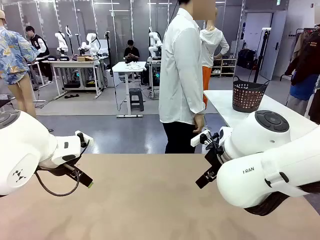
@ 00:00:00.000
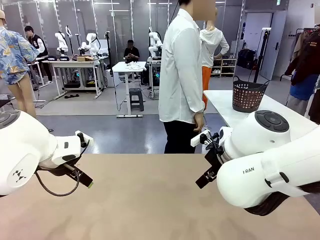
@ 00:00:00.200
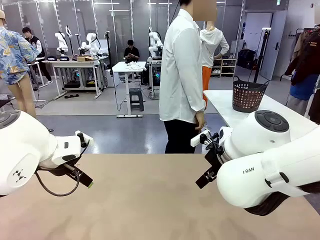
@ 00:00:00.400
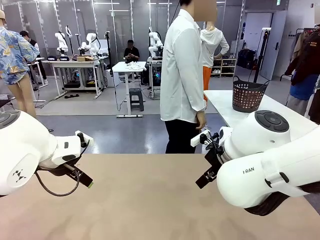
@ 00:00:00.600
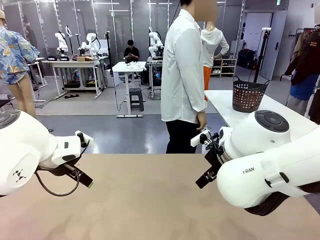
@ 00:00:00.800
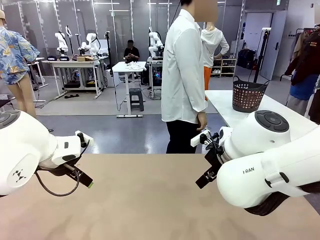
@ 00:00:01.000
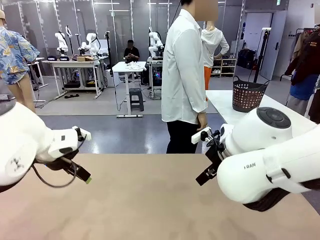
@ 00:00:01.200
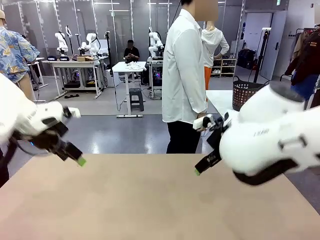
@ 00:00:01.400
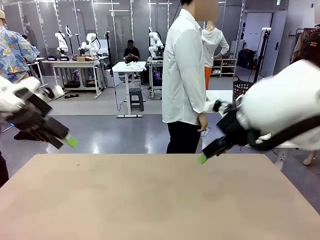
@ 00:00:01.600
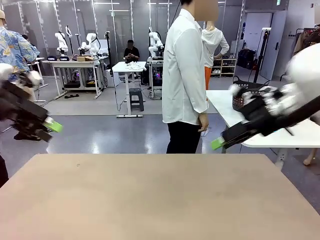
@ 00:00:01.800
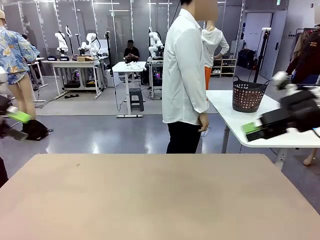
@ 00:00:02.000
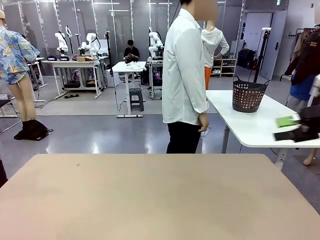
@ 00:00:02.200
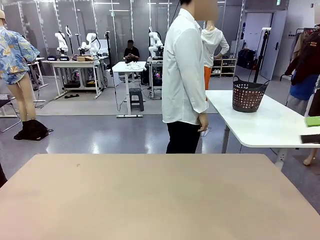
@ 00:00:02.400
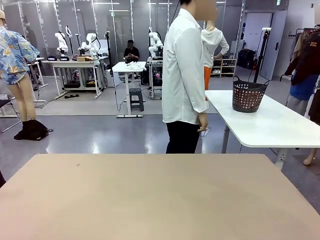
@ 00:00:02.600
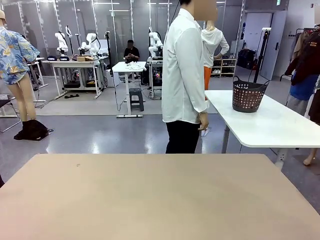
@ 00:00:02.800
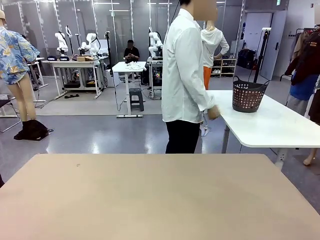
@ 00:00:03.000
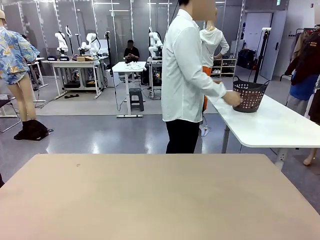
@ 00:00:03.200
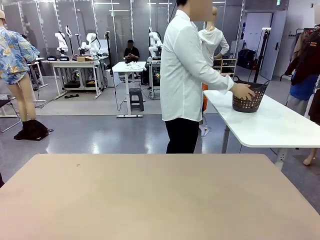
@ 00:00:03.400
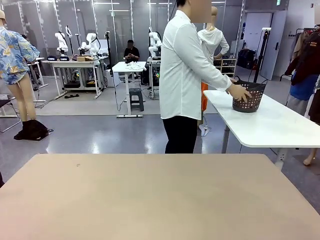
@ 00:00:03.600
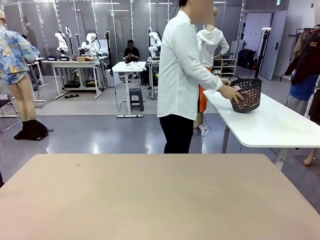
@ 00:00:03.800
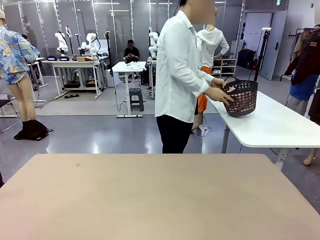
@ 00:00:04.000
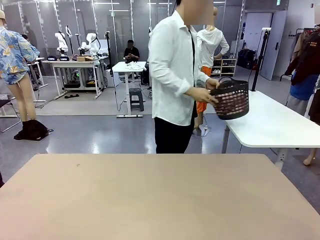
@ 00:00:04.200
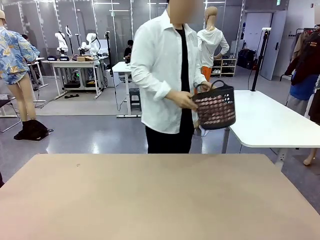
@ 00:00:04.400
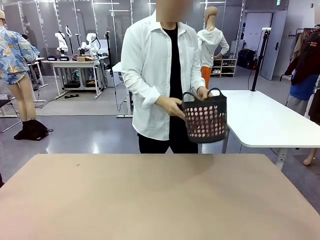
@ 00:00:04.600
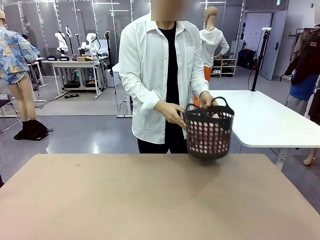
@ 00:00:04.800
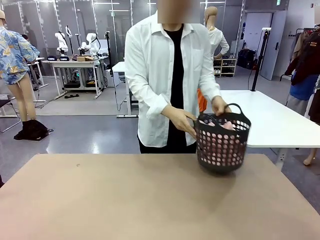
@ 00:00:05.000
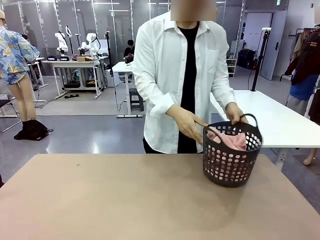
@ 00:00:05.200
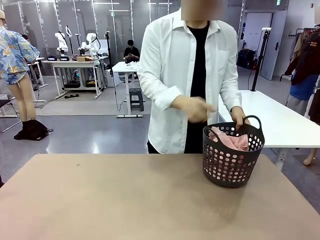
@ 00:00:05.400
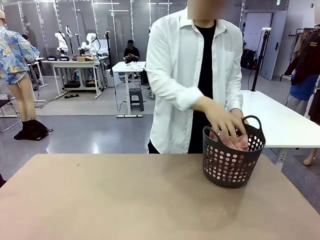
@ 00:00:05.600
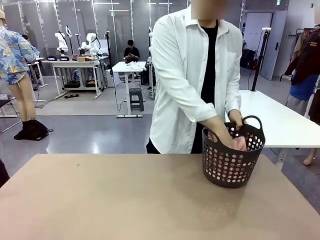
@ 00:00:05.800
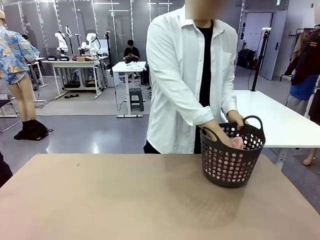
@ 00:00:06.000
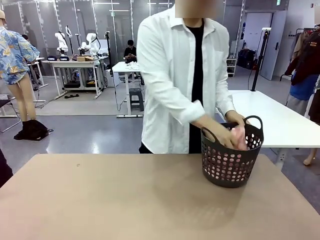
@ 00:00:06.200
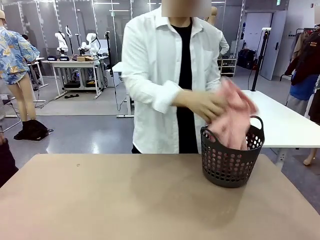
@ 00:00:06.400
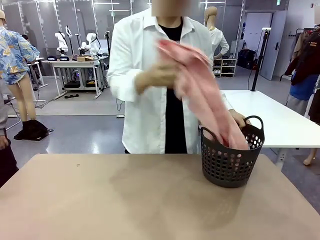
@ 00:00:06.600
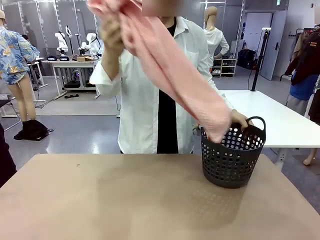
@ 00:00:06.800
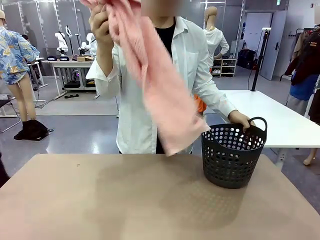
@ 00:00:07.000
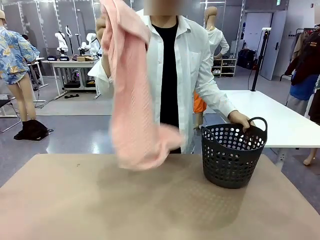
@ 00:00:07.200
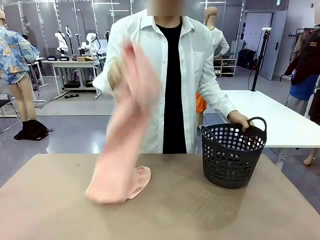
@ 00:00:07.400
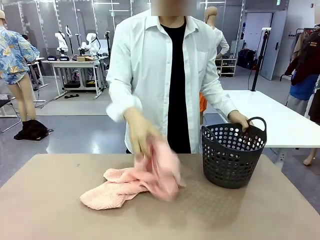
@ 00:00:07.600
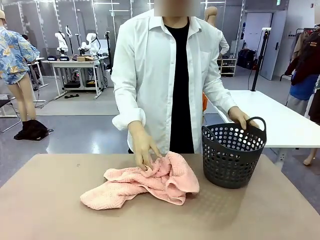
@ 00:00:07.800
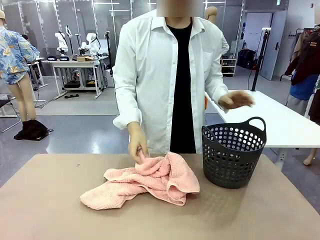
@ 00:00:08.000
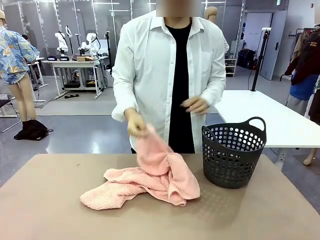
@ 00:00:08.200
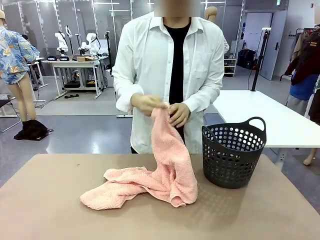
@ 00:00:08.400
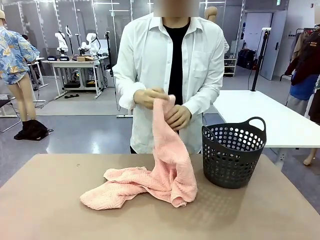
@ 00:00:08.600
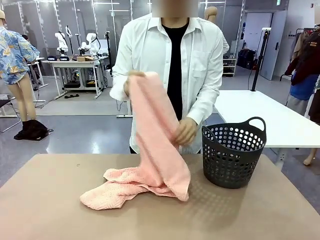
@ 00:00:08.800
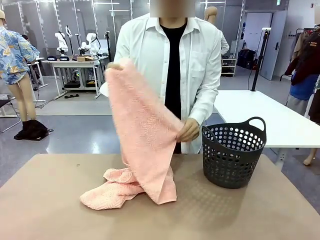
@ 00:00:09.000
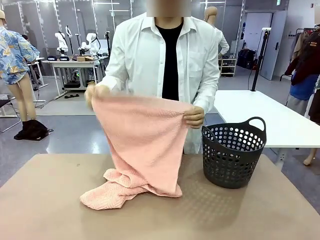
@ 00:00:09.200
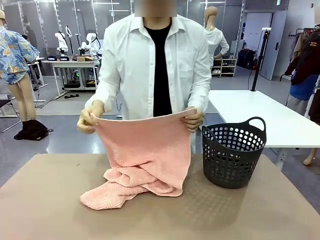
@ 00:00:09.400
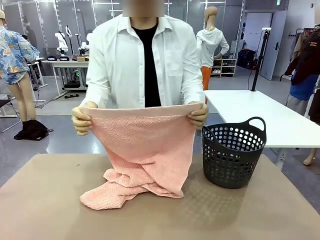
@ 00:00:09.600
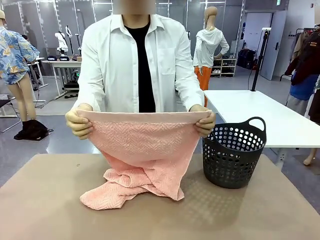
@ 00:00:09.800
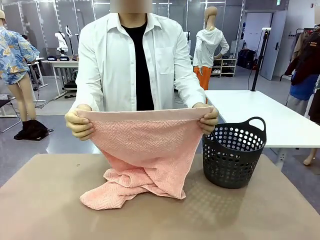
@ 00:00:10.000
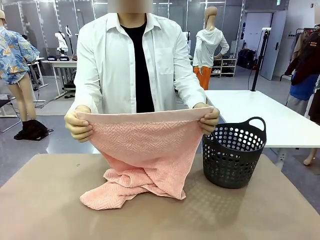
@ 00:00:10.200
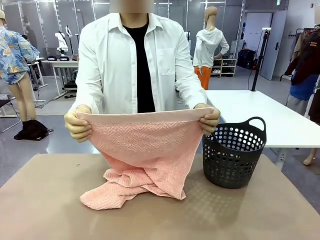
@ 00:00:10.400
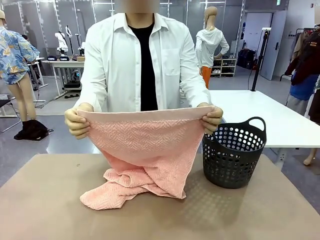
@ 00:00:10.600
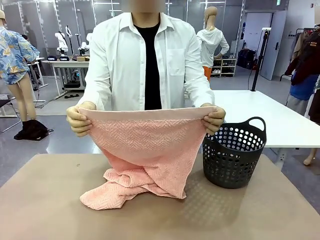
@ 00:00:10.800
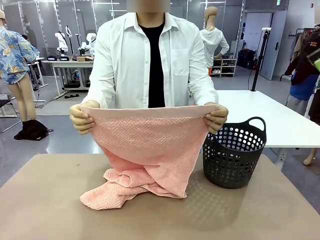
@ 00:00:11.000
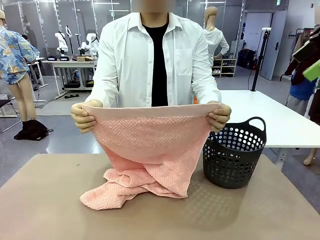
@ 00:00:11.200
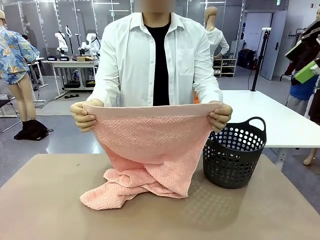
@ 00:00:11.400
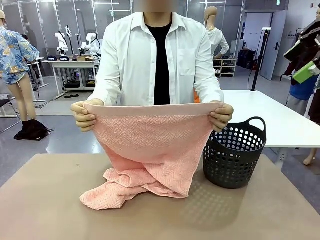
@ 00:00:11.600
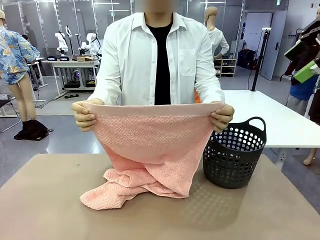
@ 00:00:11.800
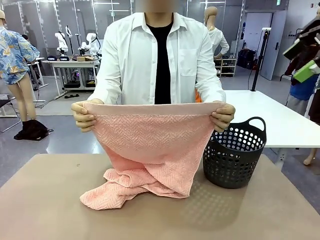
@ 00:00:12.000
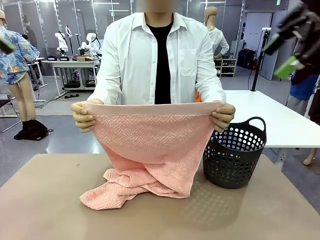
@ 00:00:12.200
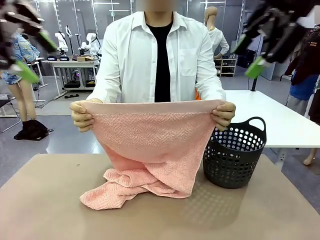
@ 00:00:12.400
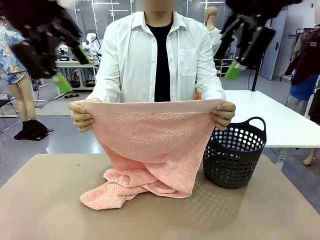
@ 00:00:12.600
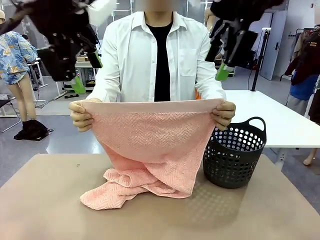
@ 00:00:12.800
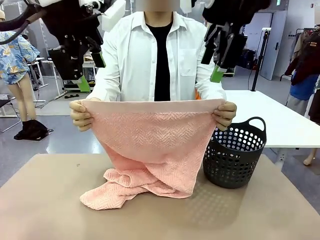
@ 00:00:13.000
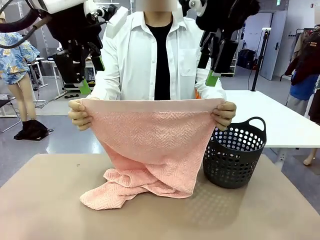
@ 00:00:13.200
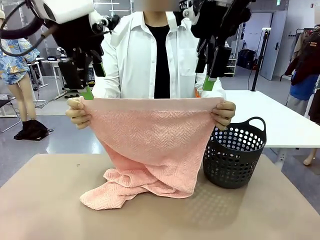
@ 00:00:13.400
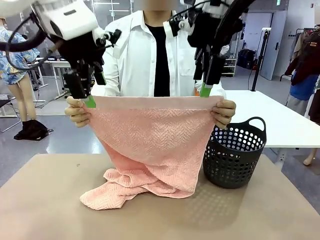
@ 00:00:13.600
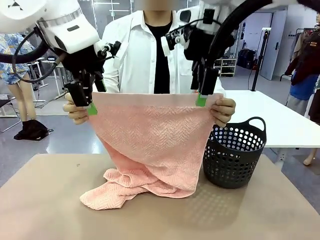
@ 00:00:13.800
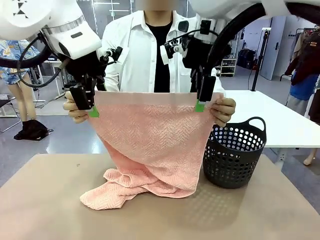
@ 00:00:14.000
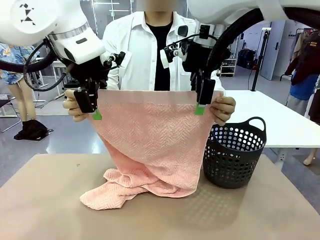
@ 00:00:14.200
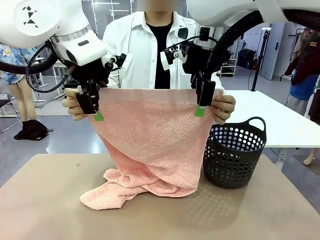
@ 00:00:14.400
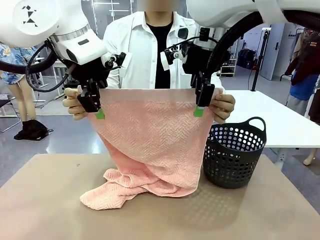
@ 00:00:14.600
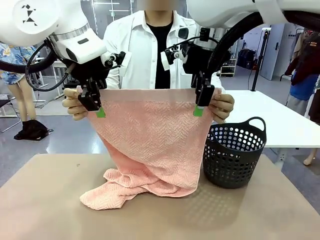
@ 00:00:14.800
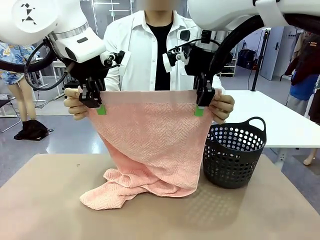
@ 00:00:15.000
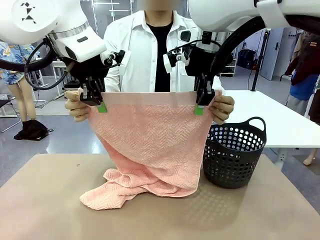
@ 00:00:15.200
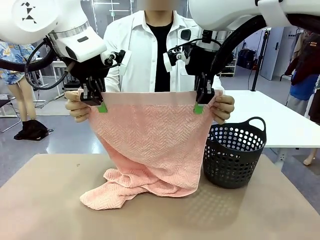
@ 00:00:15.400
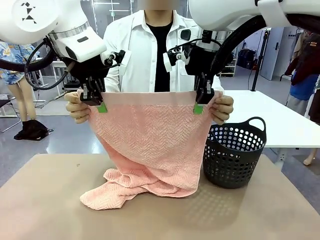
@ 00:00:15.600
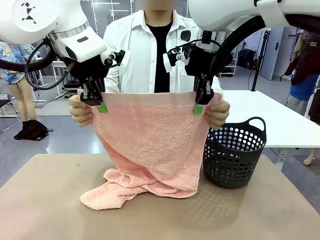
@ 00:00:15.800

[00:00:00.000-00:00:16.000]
Task: Fold the towel.
Robot: Grab the top end of the 100 cm Hotel Towel extended by the human.
Person: Pick up the laundry basket, place it on the left side of the robot table, then take out a towel and hand it to the robot while holding both corners of one end.
